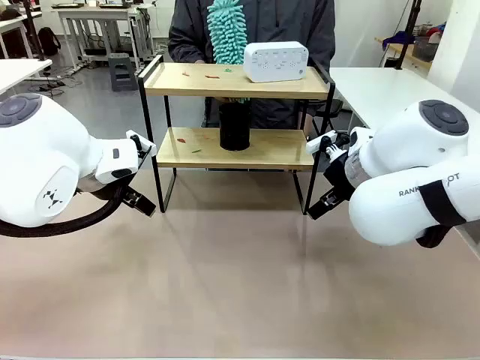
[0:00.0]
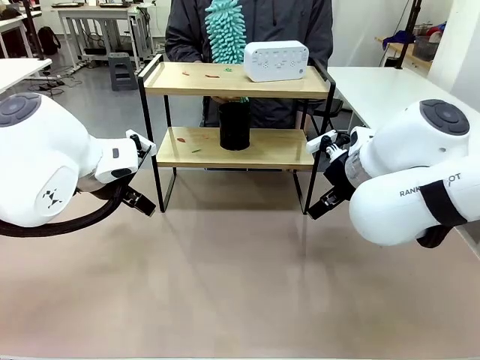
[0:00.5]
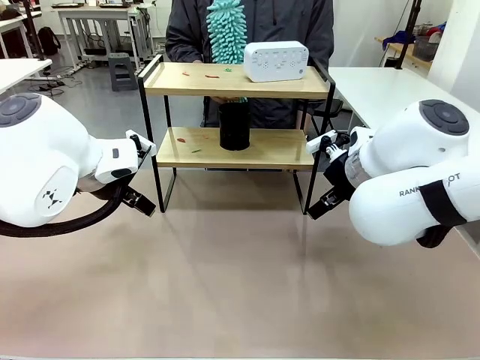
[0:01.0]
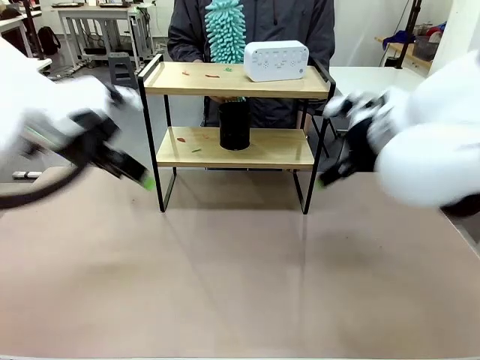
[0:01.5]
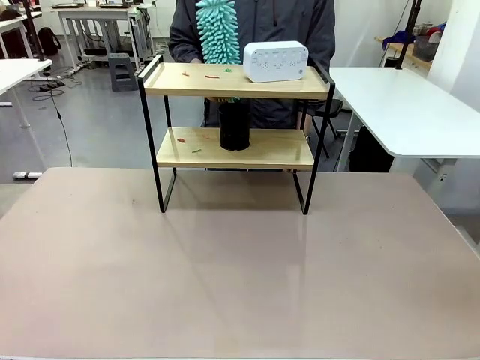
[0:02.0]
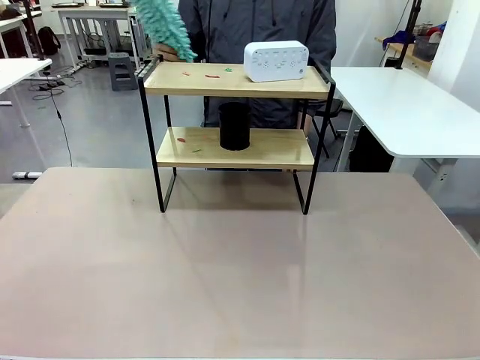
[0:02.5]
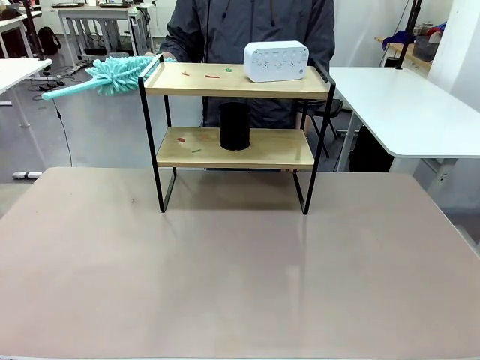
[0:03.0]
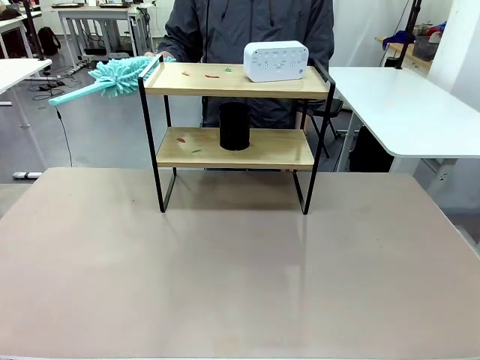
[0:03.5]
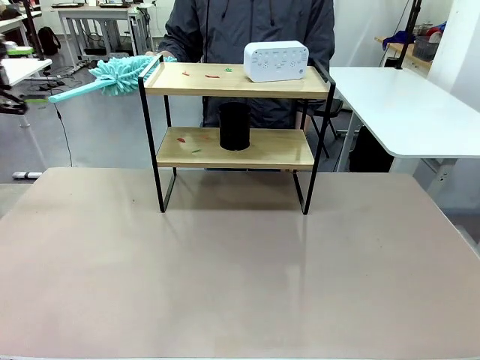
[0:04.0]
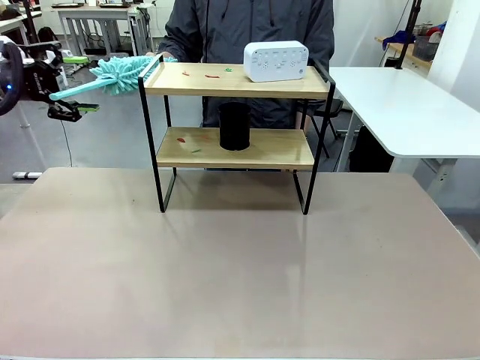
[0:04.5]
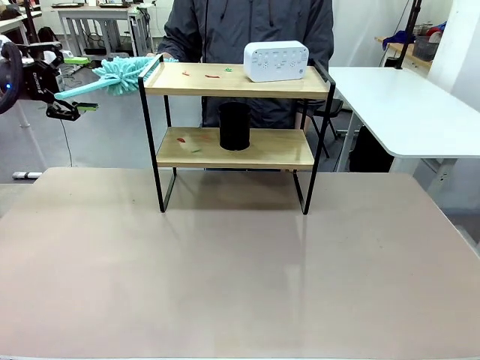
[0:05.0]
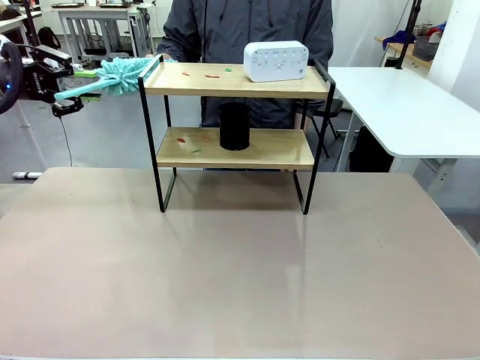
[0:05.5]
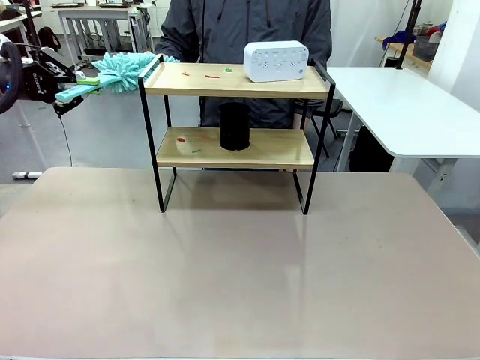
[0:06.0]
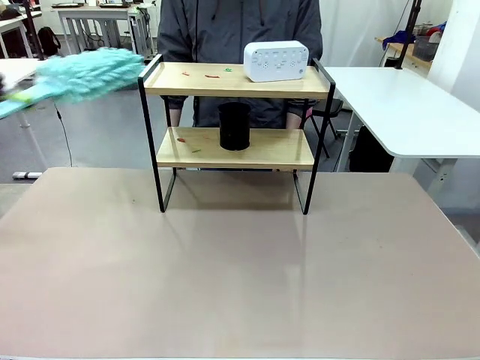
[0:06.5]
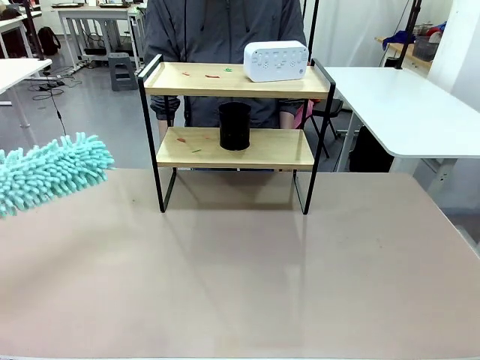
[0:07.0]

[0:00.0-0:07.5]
Task: Clean the shelf.
Robot: Pick up the Duster from the human.
Person: Hand the Duster to the robot.

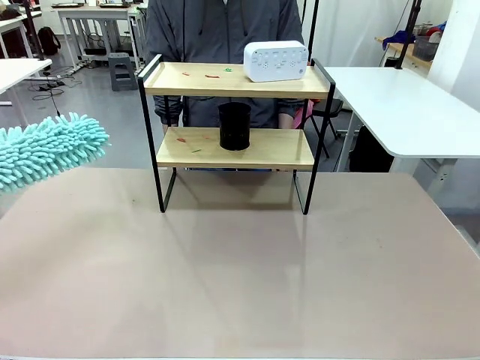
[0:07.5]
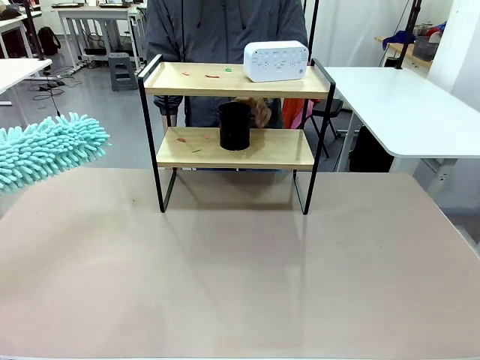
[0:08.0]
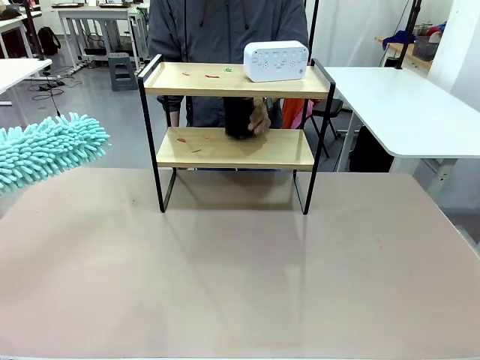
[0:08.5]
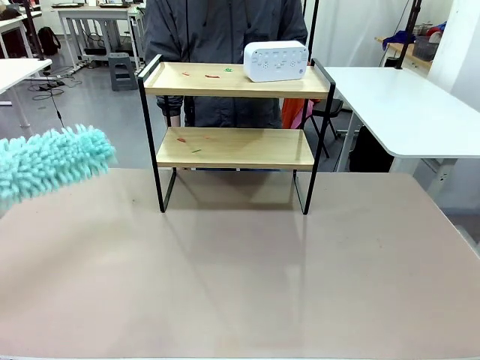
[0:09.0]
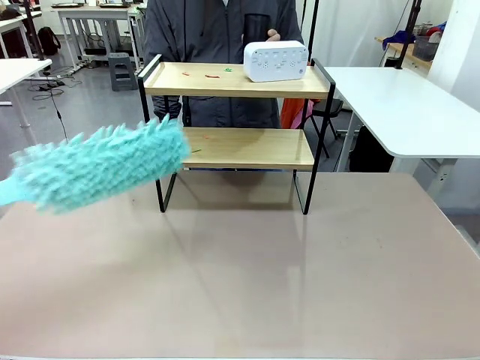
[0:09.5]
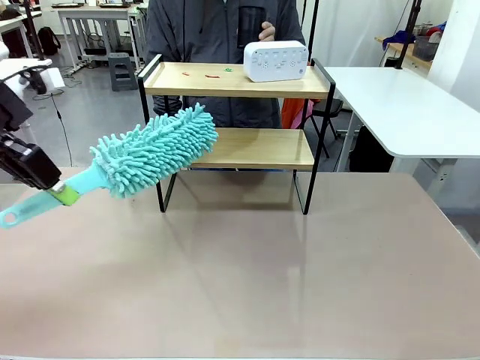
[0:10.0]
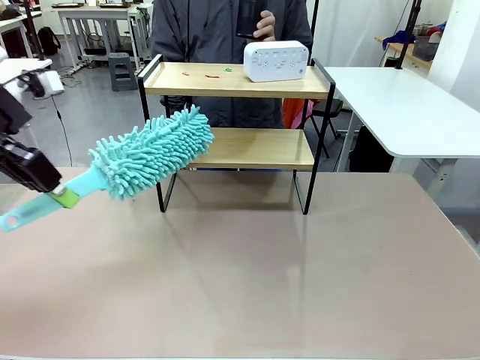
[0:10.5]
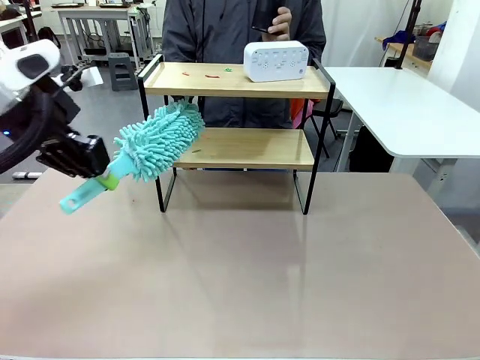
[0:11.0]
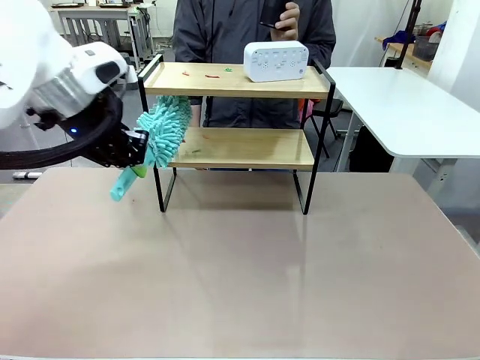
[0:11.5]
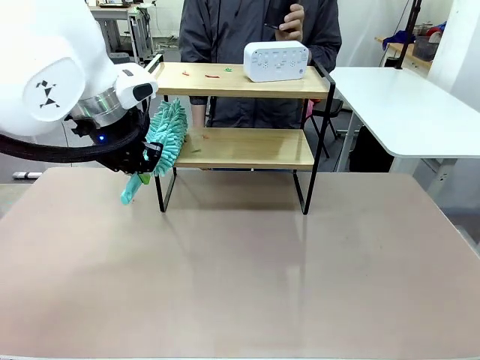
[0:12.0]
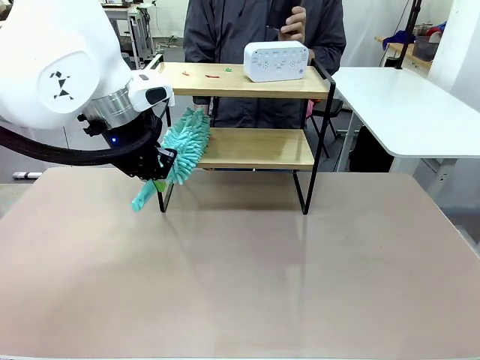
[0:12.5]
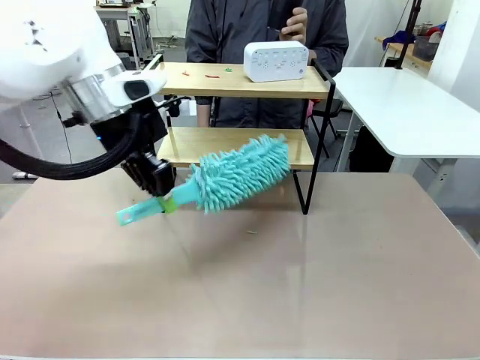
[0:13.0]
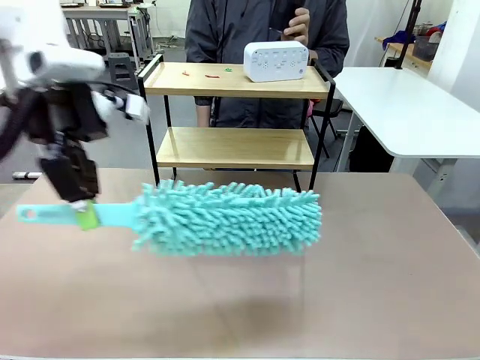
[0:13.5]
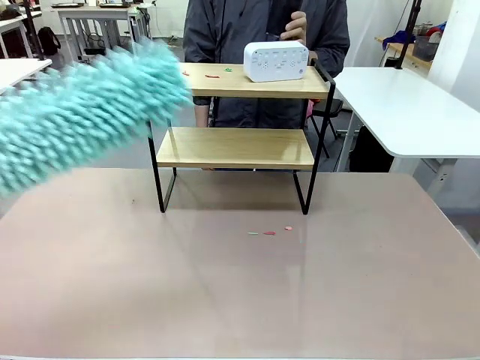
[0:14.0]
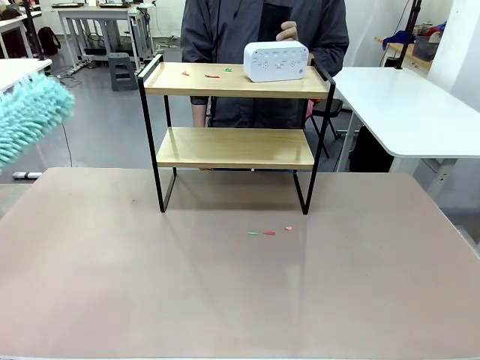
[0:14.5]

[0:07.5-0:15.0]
Robot: Clean the specific tier of the Shelf with the Duster once objects are removed.
Person: Lift the objects on a randomly selected tier of the Shelf. Once the robot finishes cleaning, lift the objects on the remaining tiers of the Shelf.

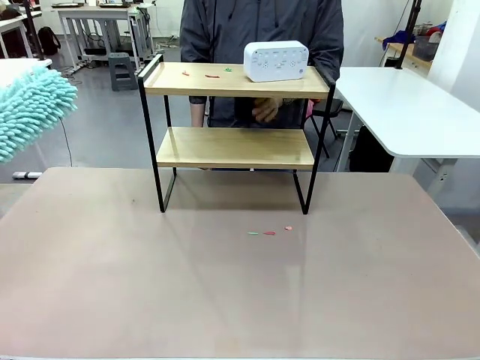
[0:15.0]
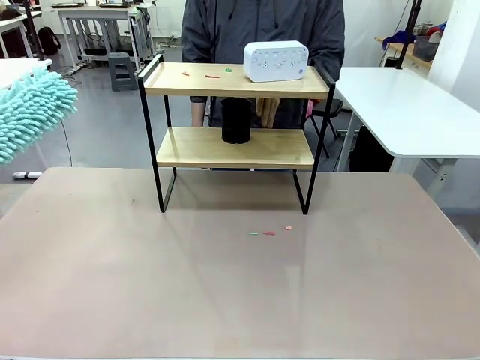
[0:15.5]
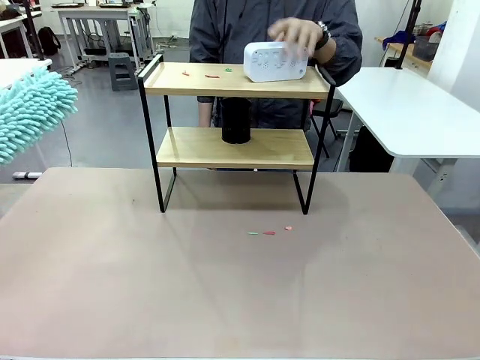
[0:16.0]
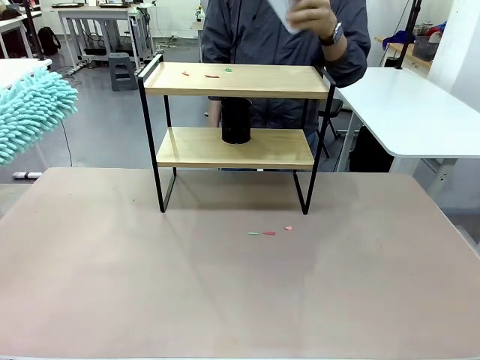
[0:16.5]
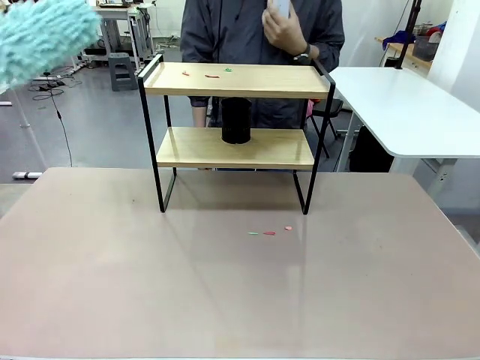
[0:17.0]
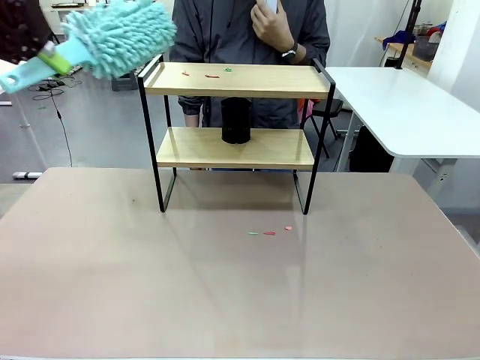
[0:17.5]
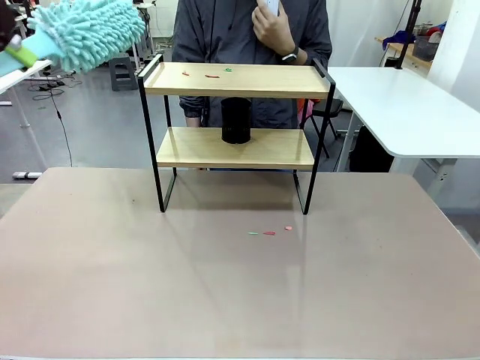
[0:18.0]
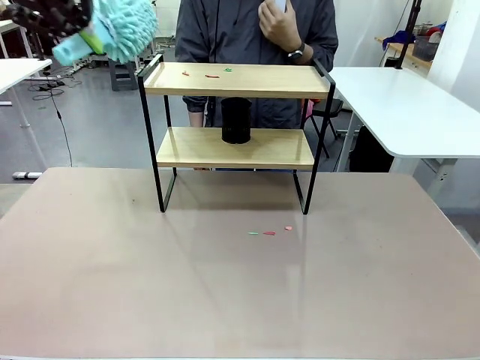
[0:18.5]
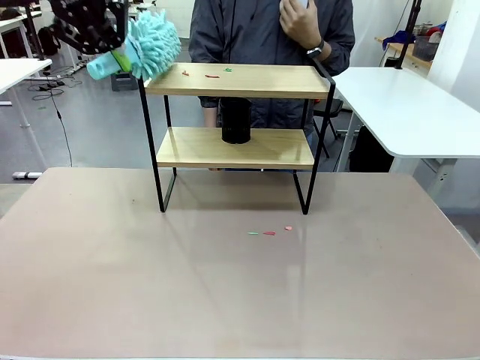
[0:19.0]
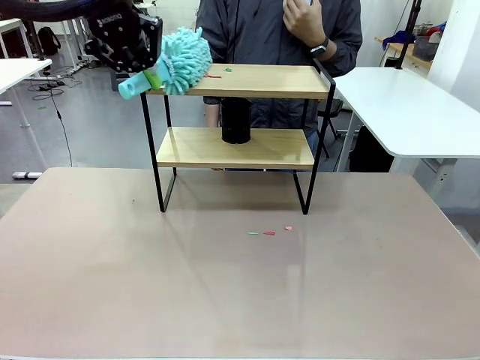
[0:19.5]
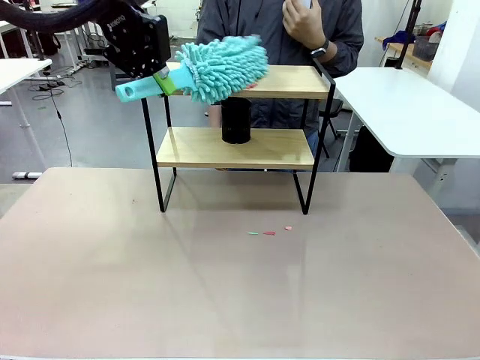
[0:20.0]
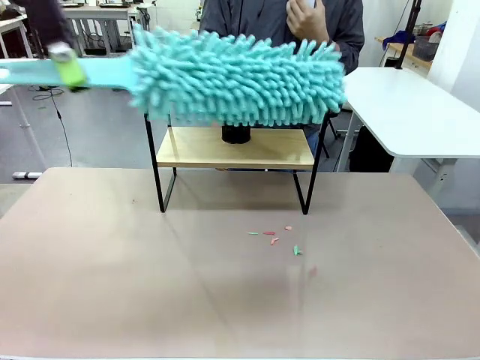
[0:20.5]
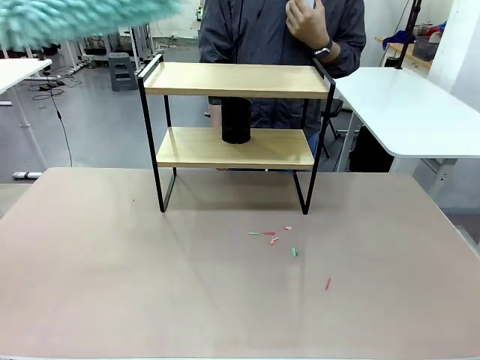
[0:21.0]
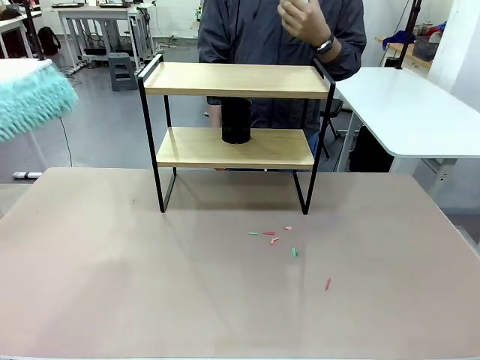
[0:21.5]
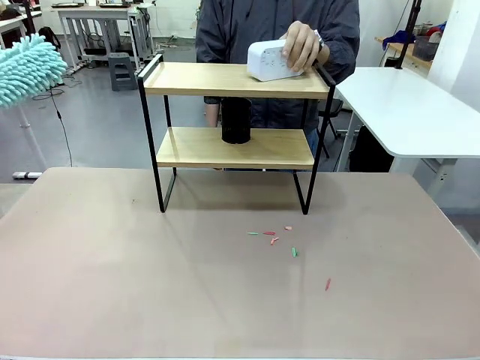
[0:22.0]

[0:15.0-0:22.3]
Robot: Clean the remaining tier of the Shelf with the Duster once objects are removed.

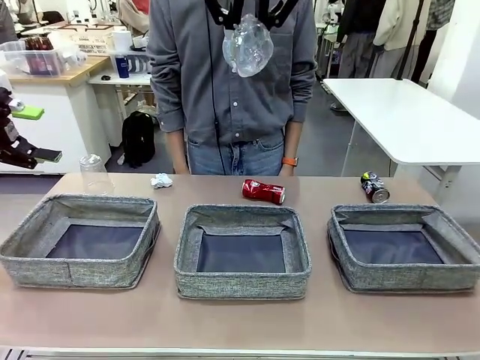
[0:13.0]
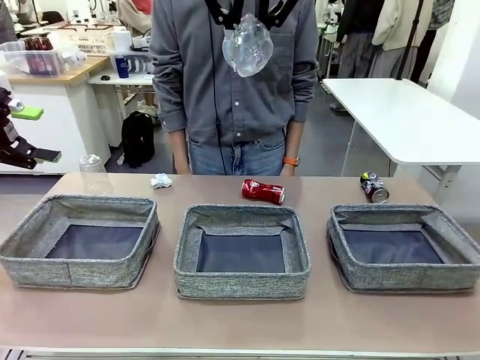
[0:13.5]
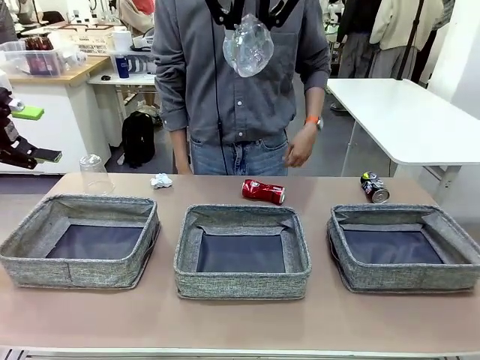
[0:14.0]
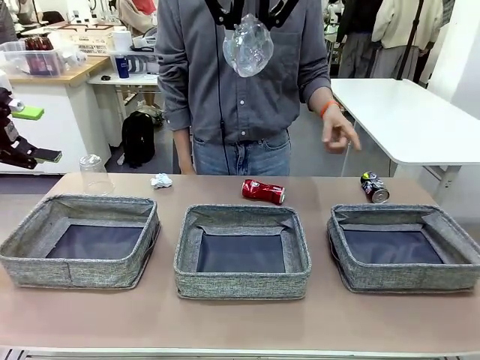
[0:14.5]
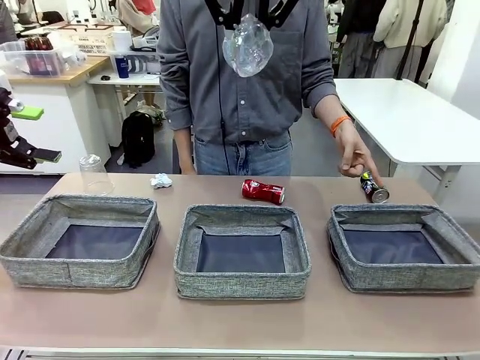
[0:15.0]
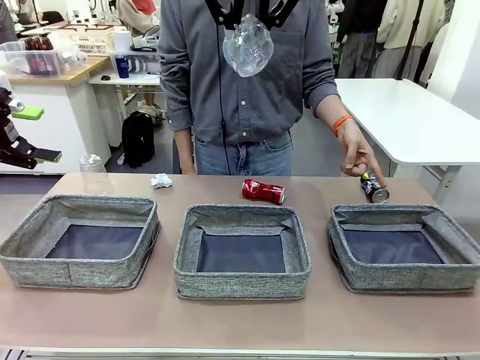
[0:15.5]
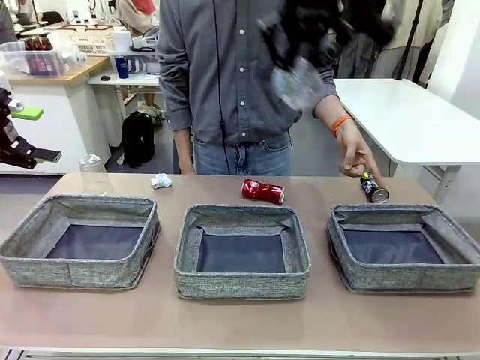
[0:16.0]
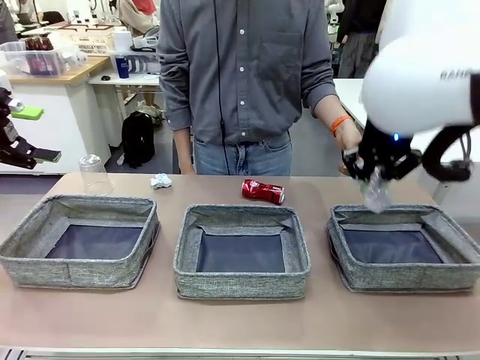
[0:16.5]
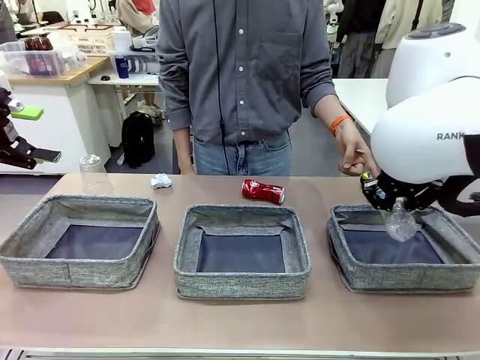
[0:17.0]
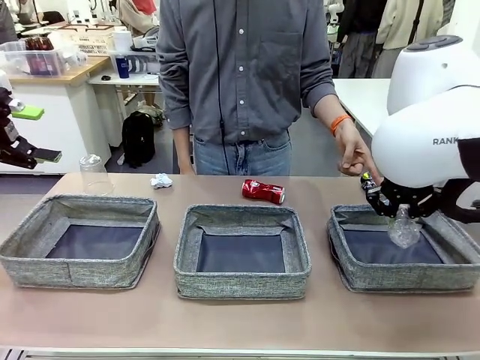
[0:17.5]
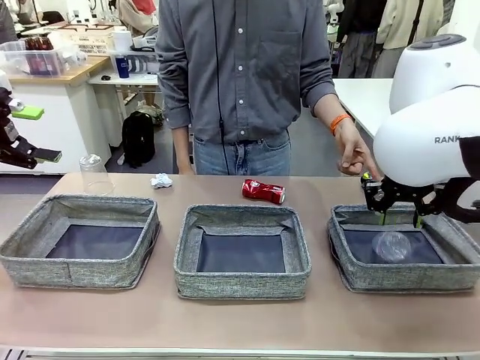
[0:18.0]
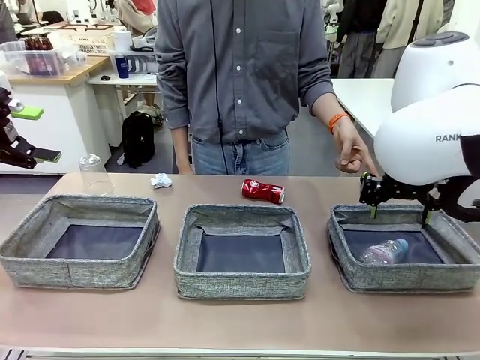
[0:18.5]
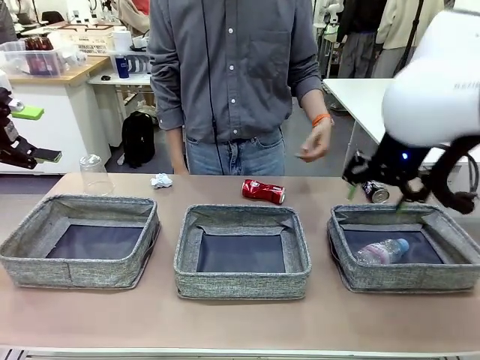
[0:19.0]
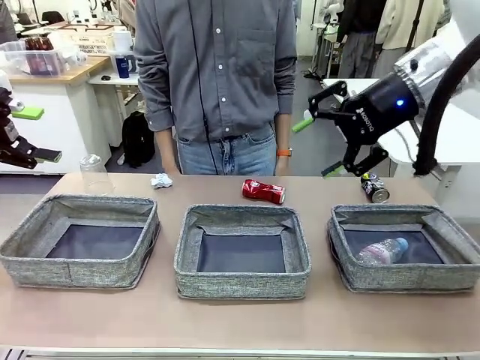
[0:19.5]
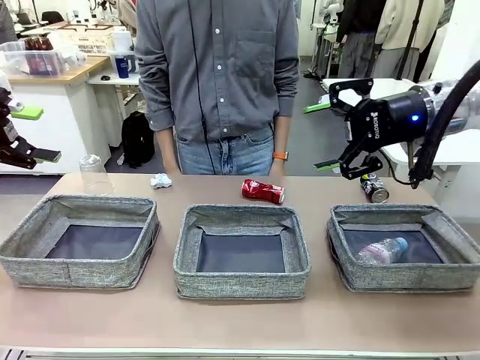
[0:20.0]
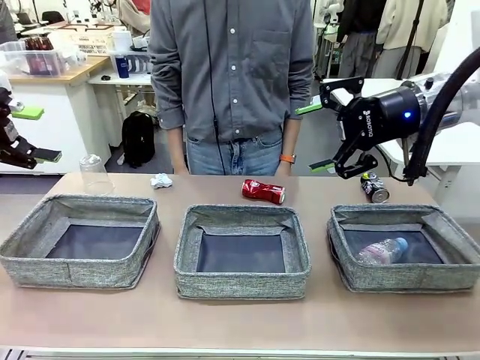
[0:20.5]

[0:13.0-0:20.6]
Task: Sort the waste into the appropriate baskets.
Robot: Place the picked waste into the Fabric basket indicated by the person.
Person: Instructs the robot to place the picked-up trash into the appropriate organizing basket.
